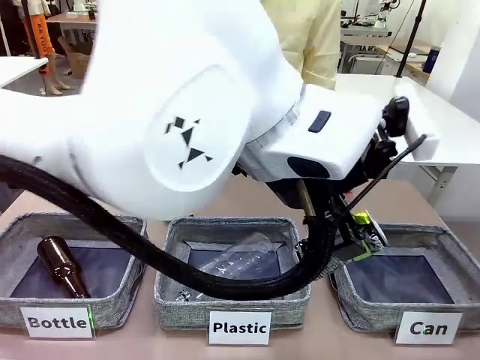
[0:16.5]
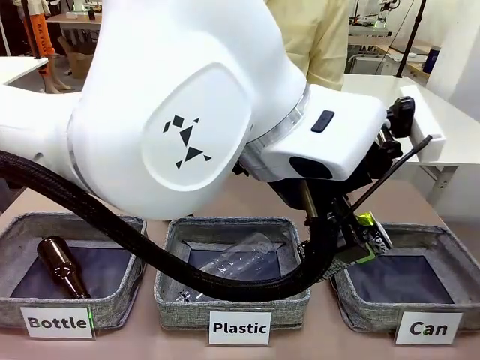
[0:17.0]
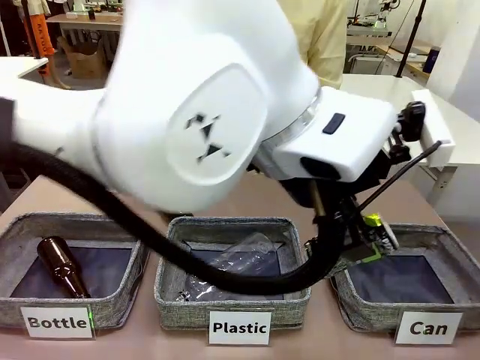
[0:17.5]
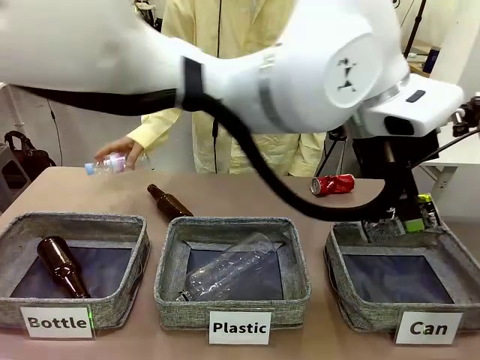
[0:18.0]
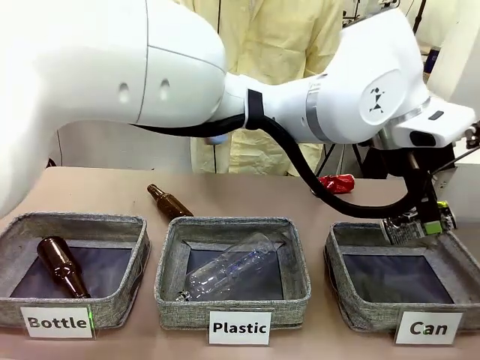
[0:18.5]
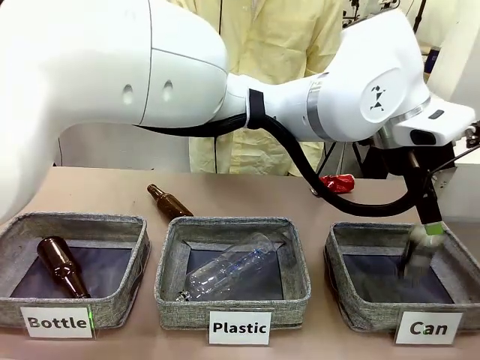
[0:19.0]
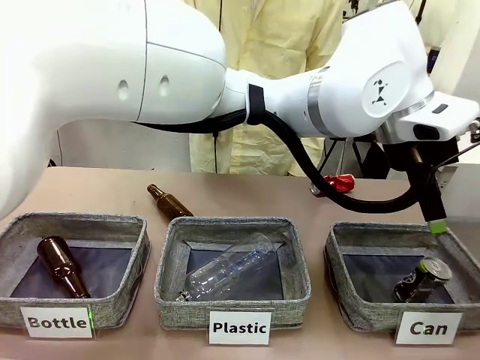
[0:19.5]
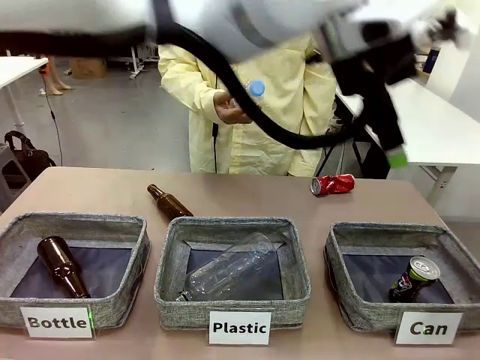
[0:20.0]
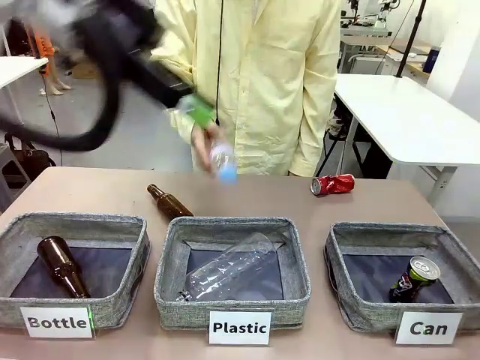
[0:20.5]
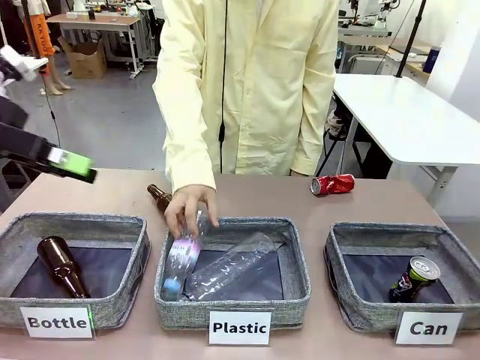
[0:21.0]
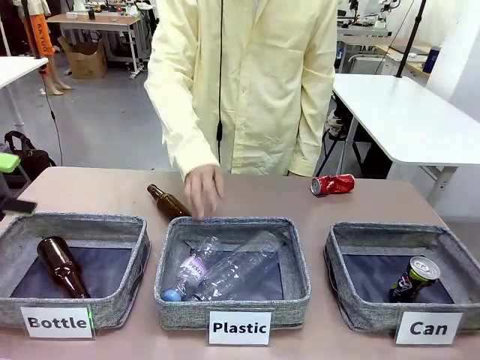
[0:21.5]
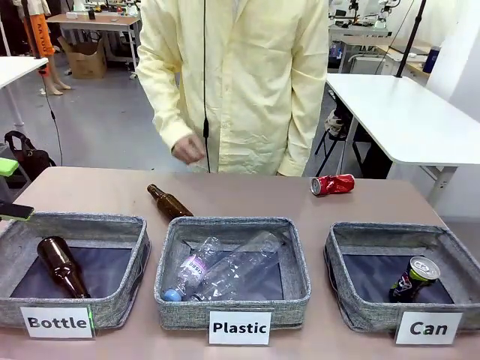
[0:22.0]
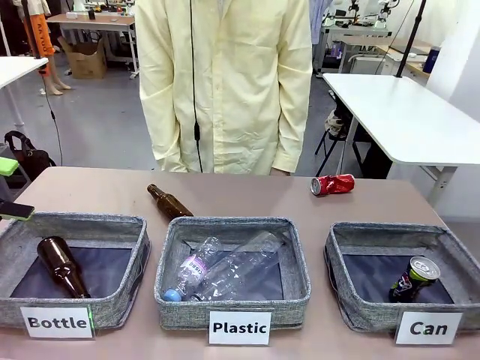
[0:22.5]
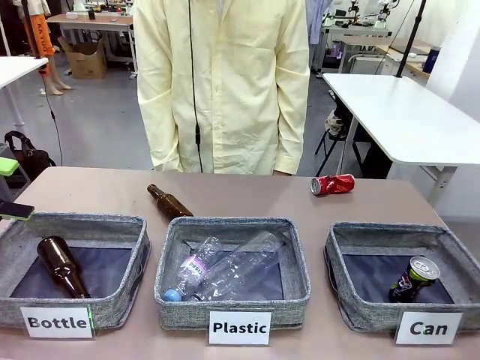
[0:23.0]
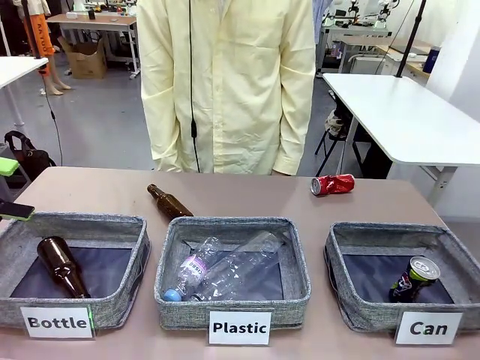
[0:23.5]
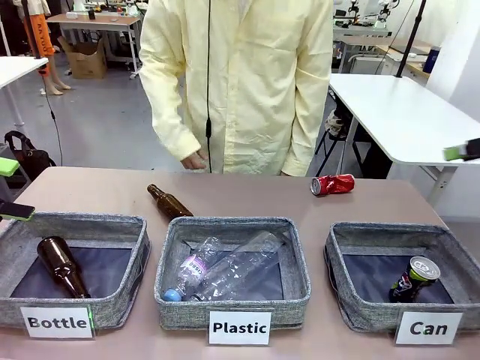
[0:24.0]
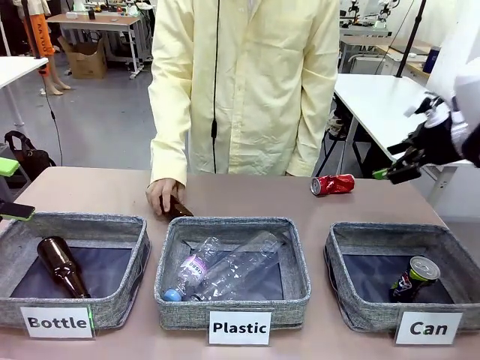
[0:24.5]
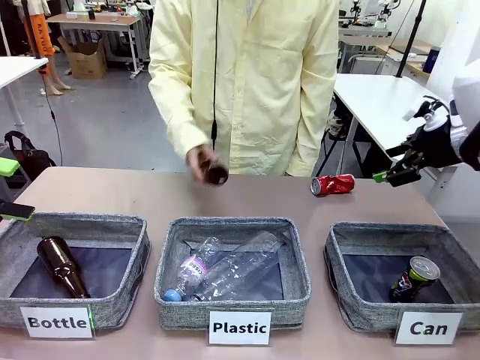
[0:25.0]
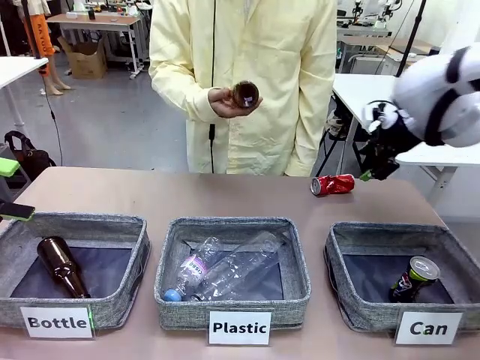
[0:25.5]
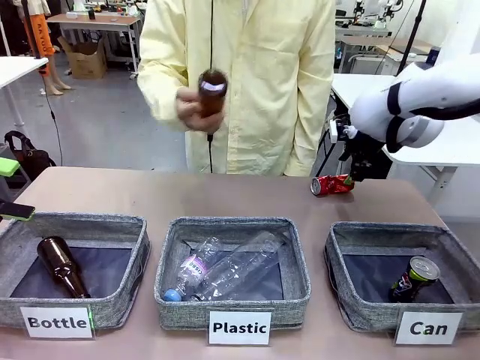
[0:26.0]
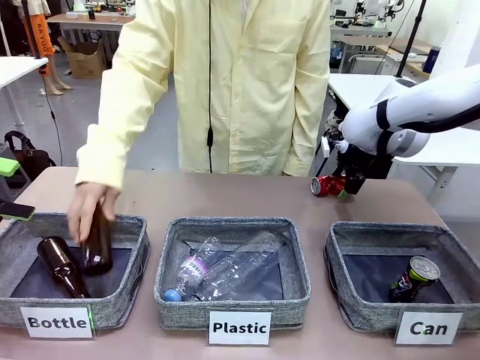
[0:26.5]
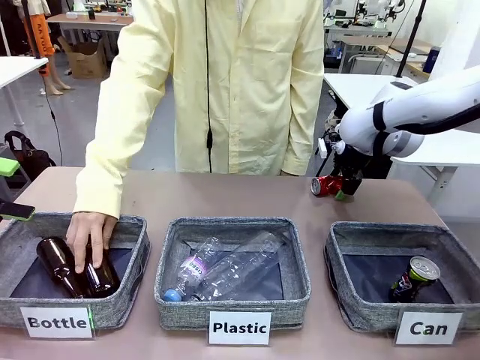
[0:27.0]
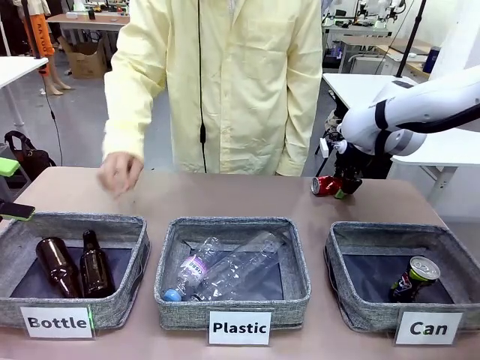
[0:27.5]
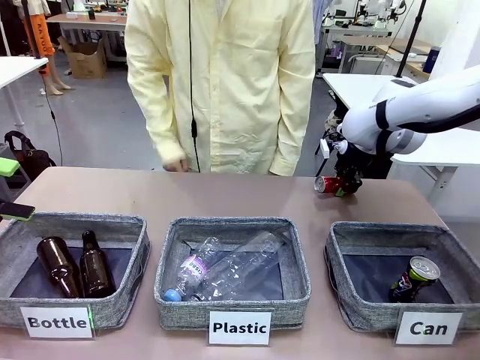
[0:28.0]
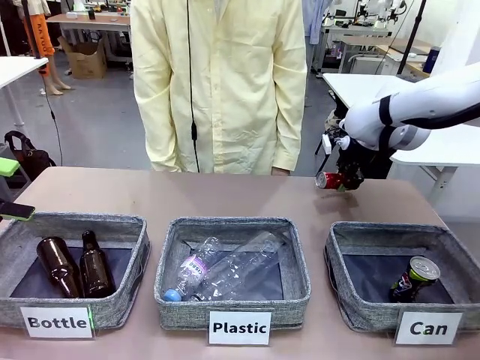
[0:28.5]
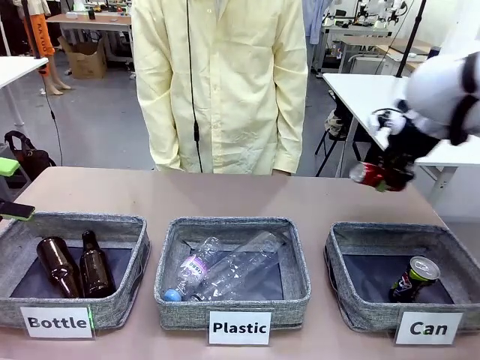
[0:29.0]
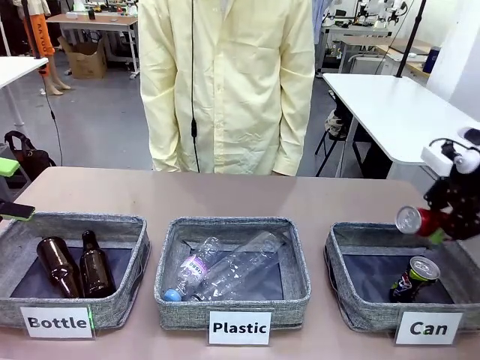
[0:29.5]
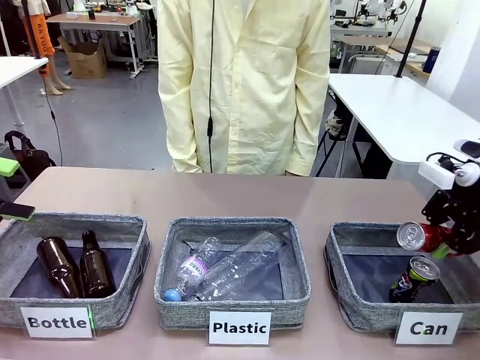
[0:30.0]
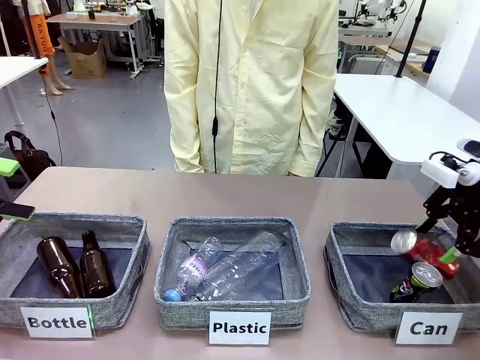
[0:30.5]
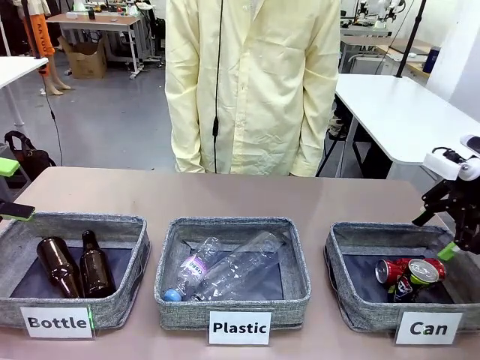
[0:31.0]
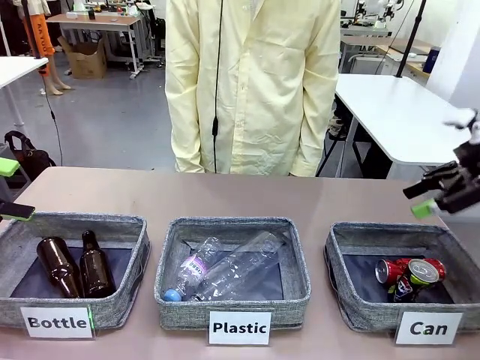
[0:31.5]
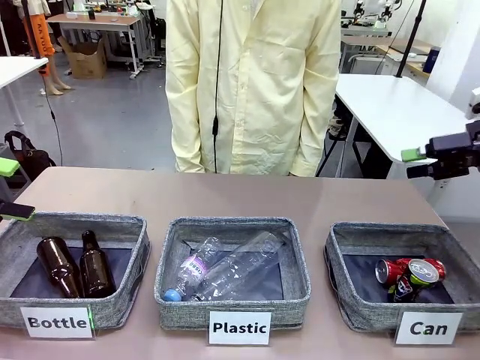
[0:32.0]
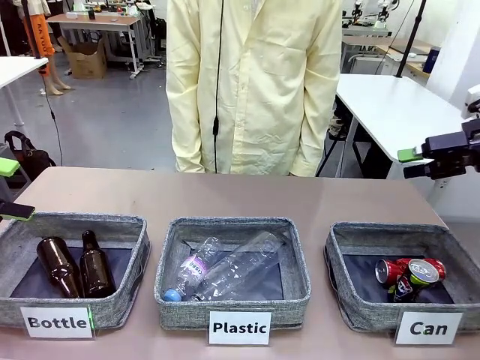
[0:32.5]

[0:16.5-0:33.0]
Task: Sort the can waste into the basket.
Robot: Pick up the can waste from the table and place it in the right Fabric basket.

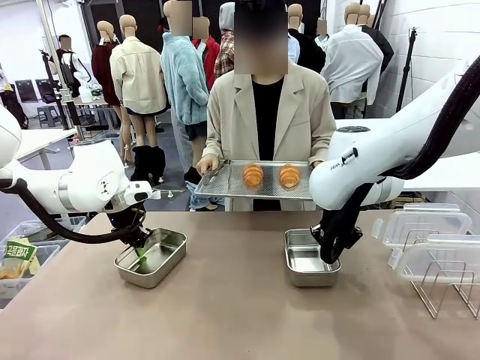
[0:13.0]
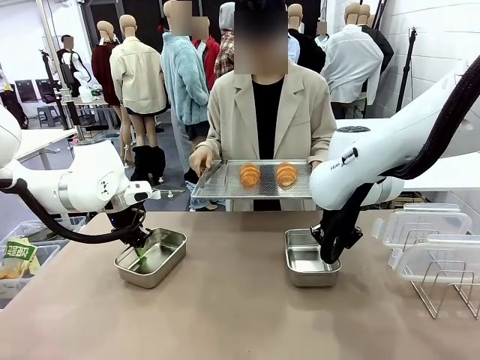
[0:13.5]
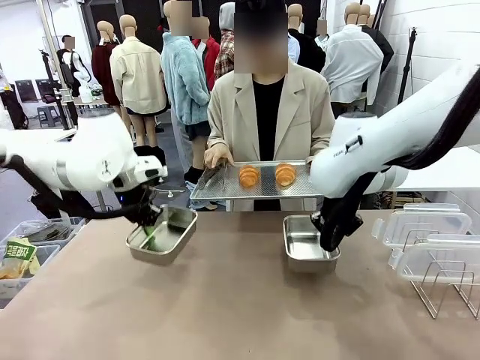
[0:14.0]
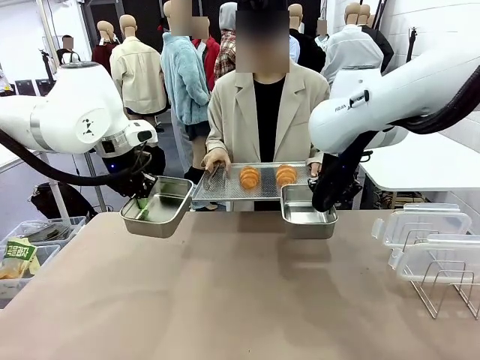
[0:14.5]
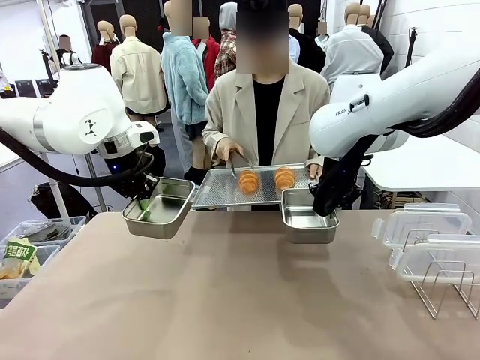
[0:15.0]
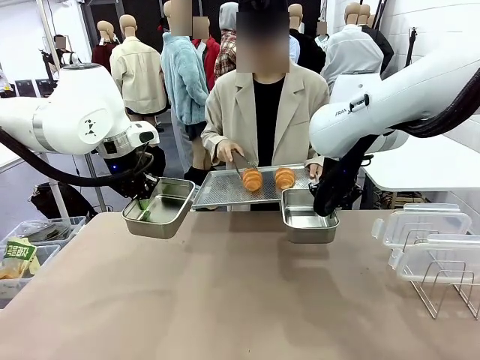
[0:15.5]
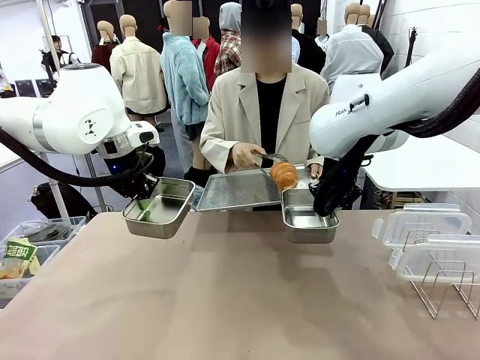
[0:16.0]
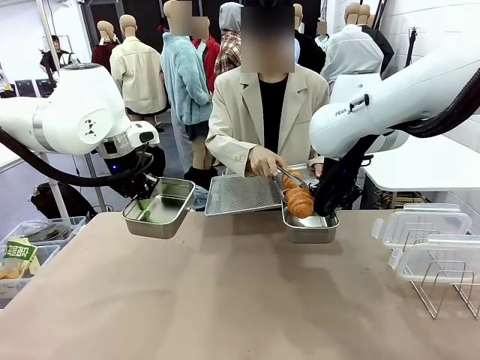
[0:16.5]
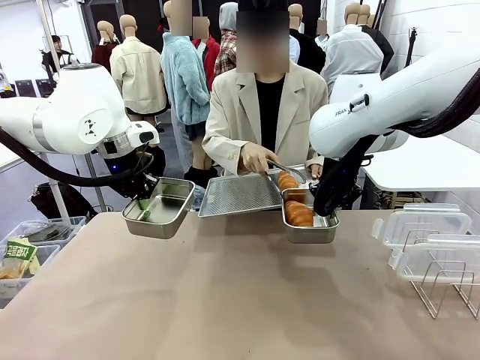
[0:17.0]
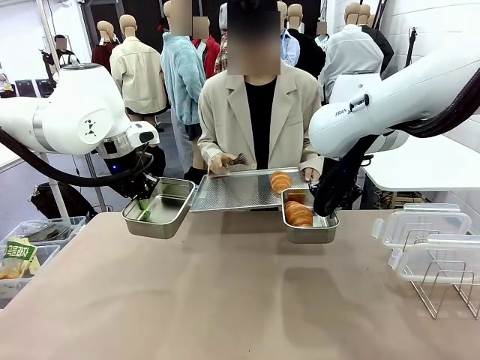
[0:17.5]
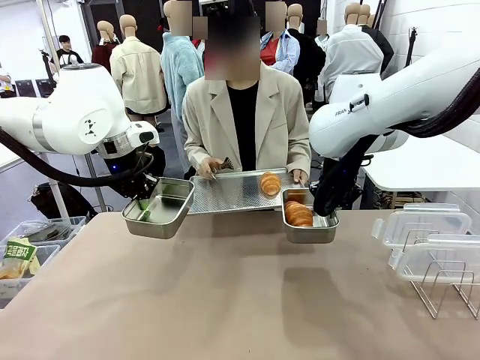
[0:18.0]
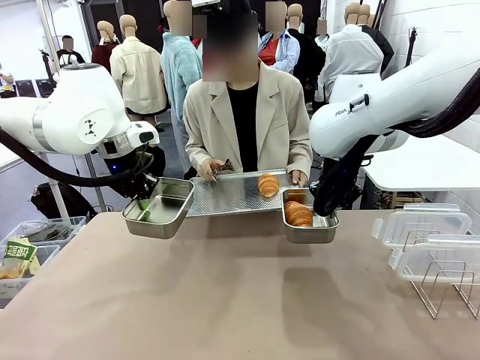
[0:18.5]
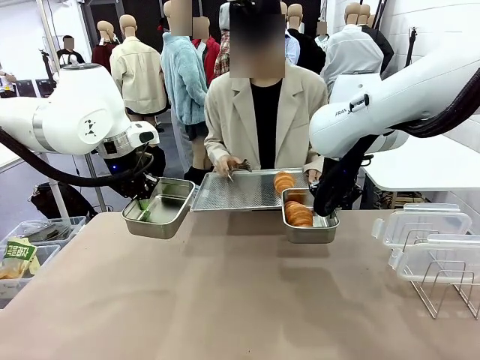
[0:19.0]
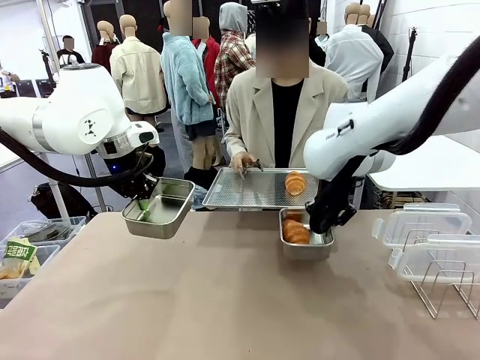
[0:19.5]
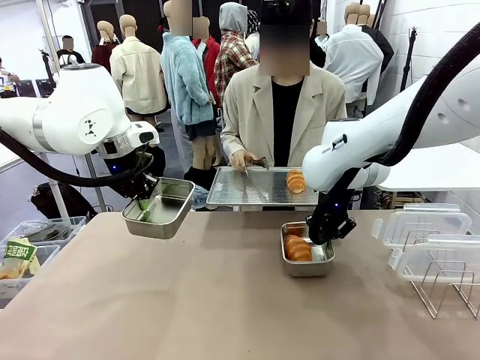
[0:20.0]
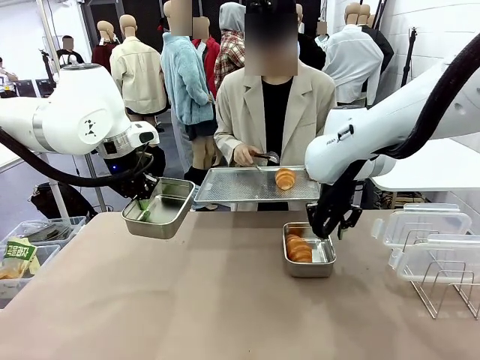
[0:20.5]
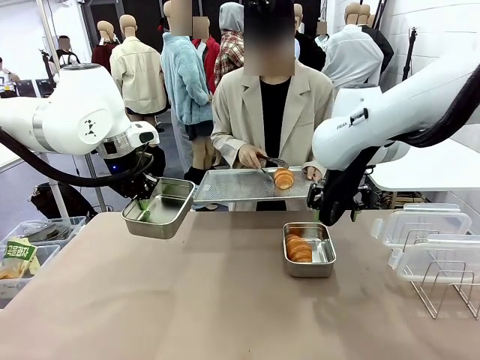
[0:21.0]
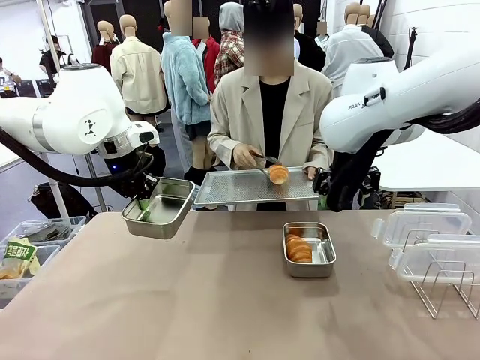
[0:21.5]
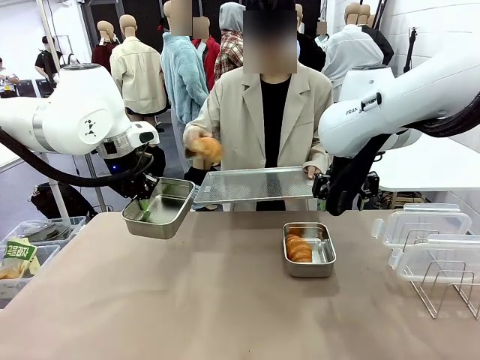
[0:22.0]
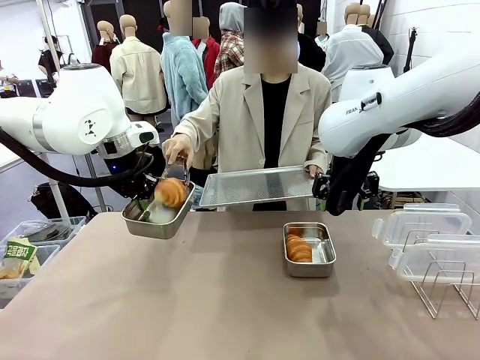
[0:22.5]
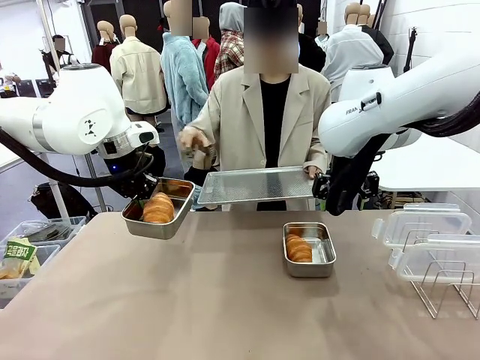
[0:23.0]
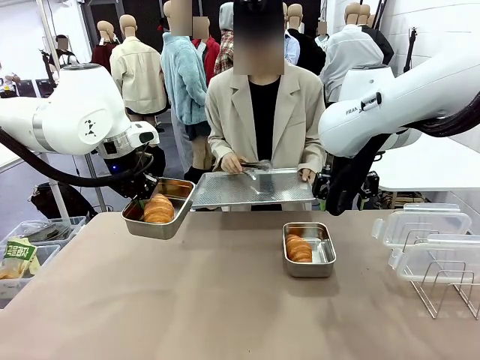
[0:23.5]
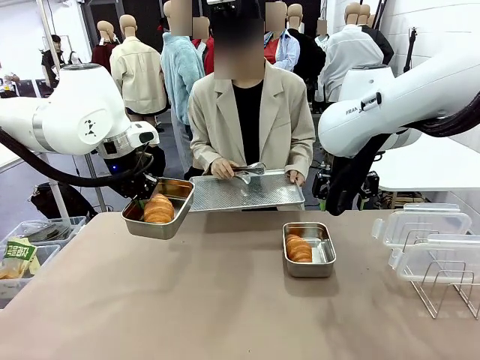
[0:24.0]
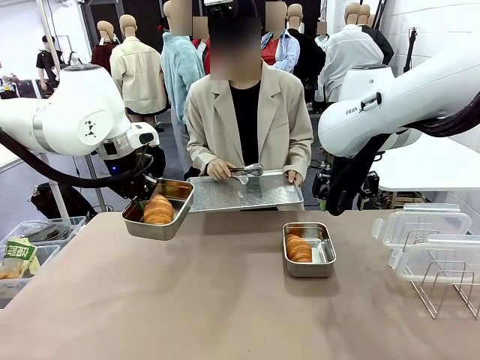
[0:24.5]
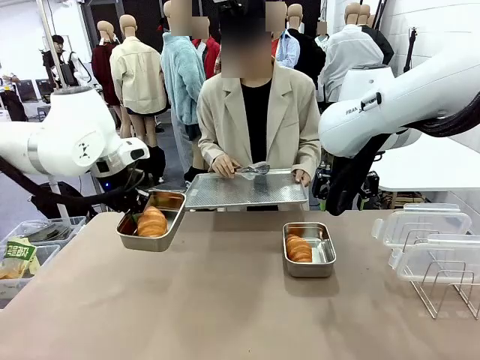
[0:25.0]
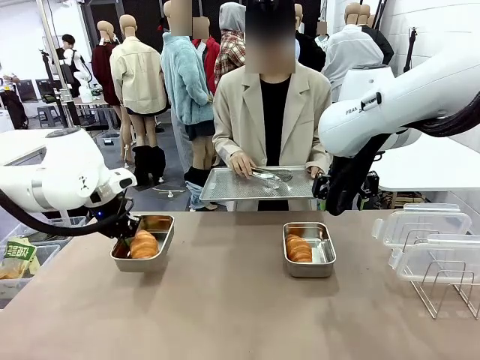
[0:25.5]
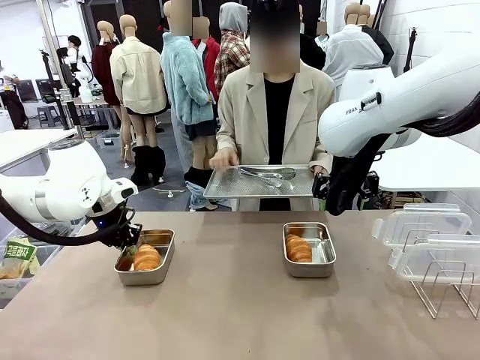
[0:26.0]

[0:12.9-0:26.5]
Task: Place the bread in airtight containers.
Robot: Once an object is inside an Airtight Container , place the container in the center of the table.
Person: Use the Stainless steel tongs to place one object from Baking Sheet into one Airtight Container.
